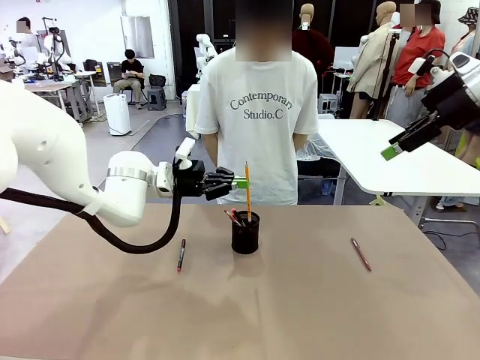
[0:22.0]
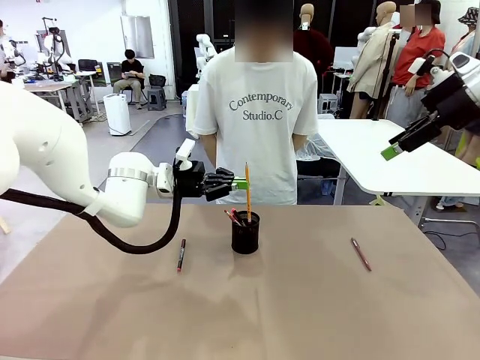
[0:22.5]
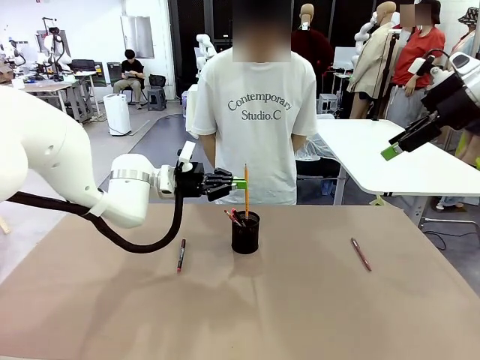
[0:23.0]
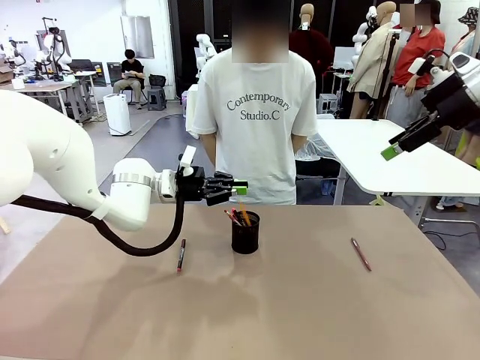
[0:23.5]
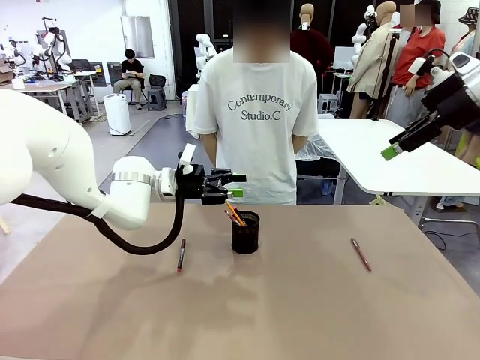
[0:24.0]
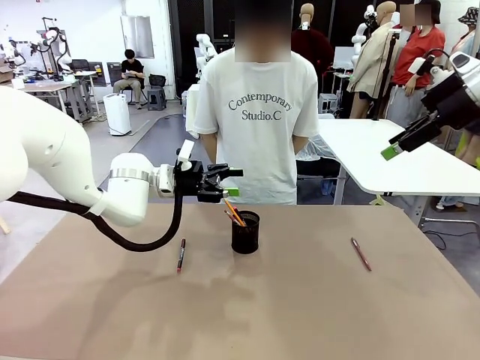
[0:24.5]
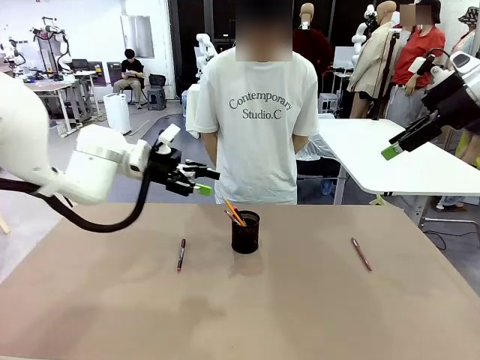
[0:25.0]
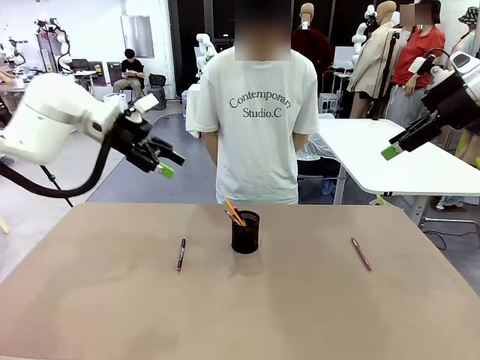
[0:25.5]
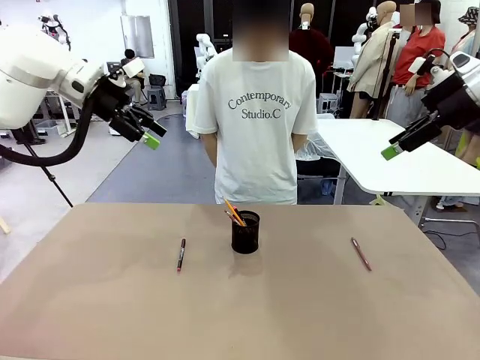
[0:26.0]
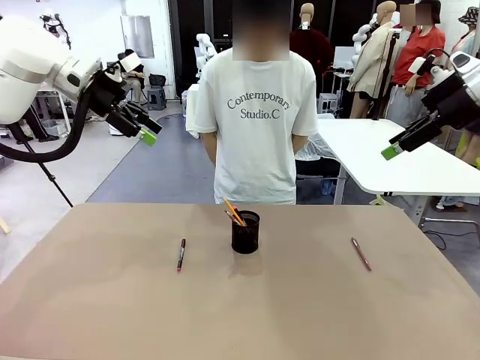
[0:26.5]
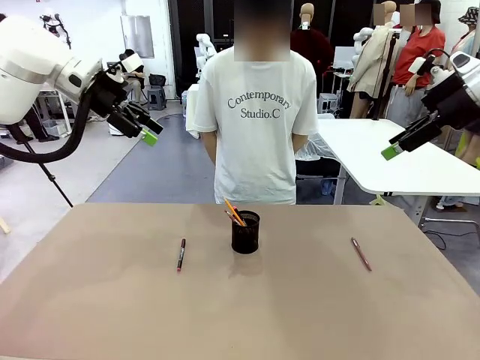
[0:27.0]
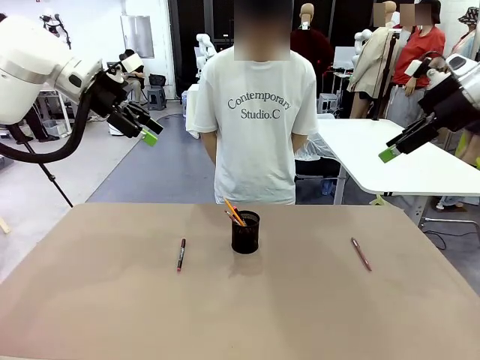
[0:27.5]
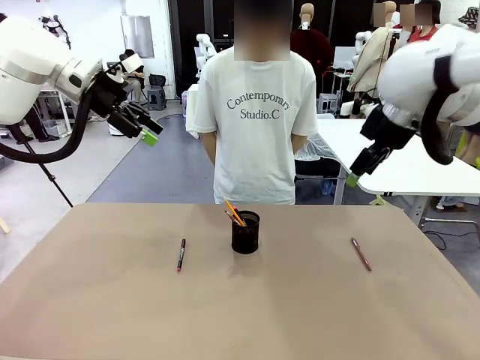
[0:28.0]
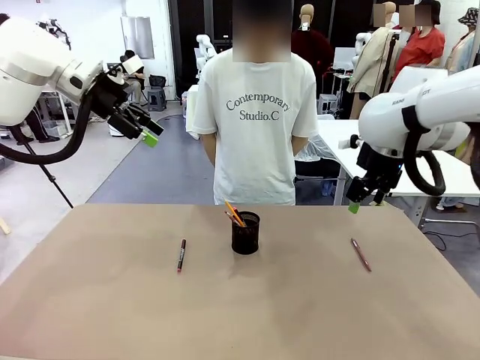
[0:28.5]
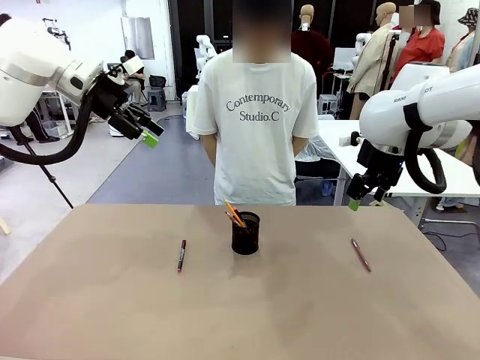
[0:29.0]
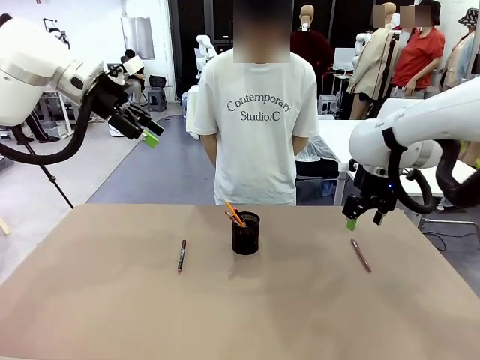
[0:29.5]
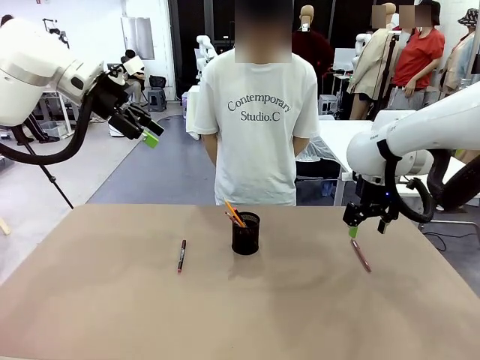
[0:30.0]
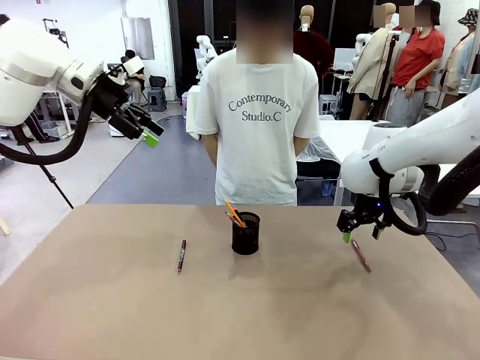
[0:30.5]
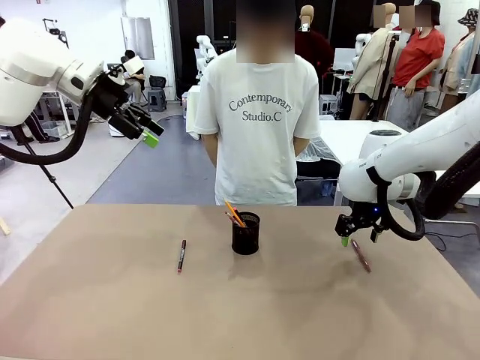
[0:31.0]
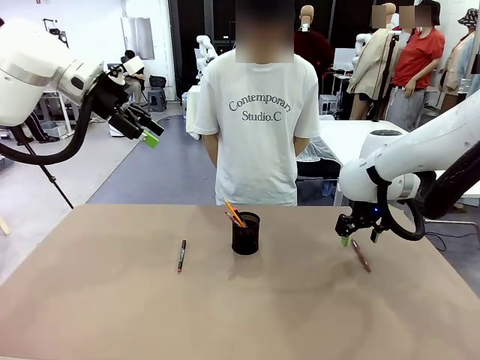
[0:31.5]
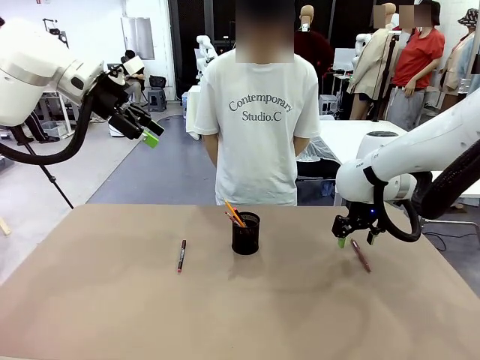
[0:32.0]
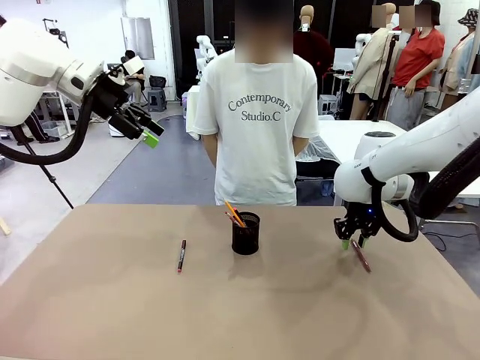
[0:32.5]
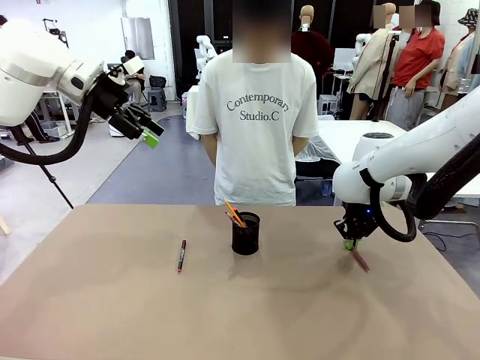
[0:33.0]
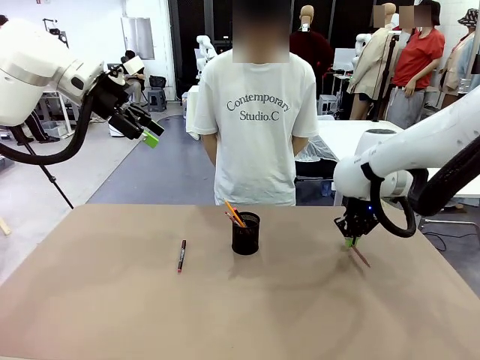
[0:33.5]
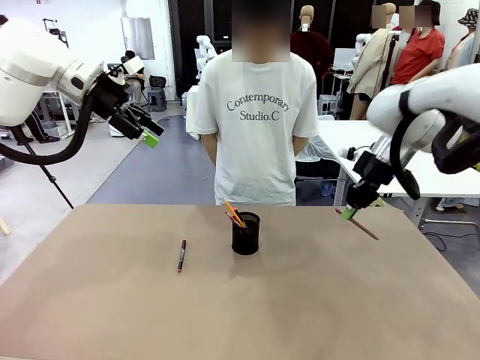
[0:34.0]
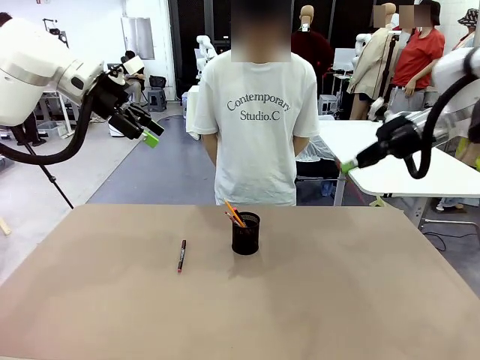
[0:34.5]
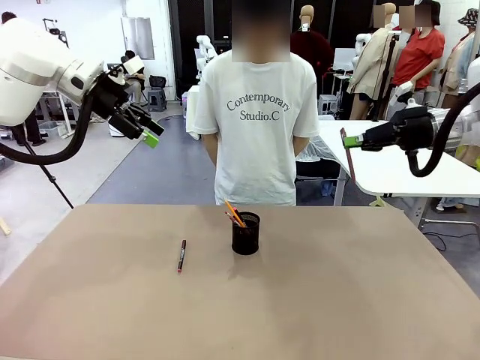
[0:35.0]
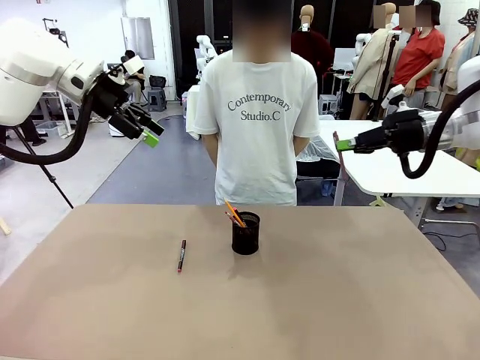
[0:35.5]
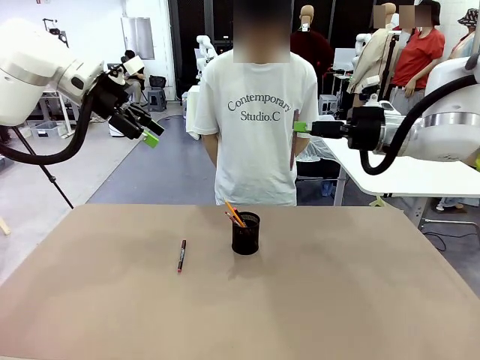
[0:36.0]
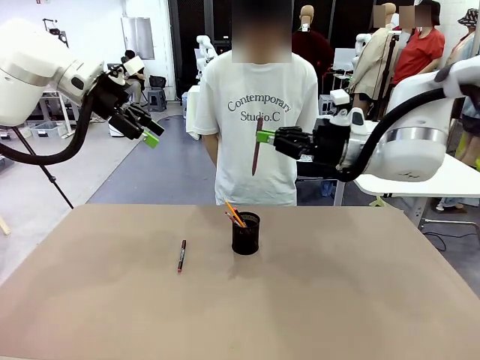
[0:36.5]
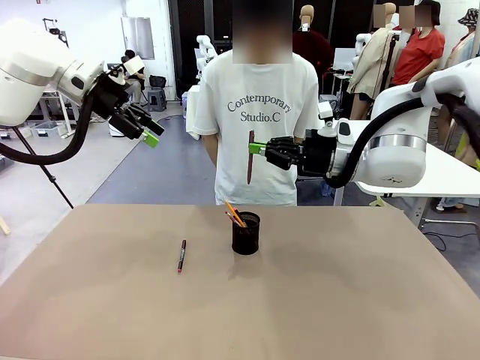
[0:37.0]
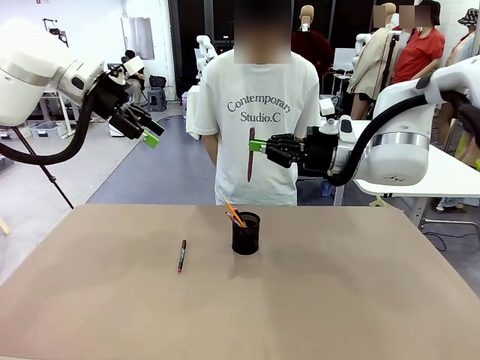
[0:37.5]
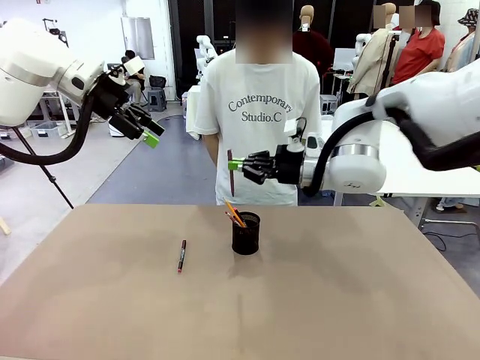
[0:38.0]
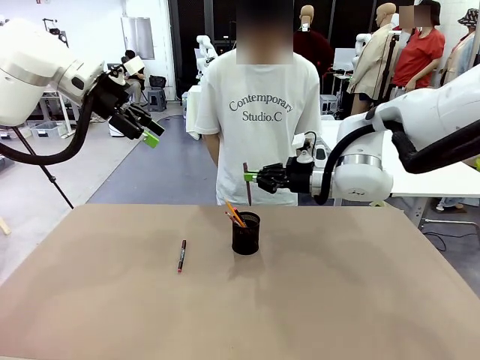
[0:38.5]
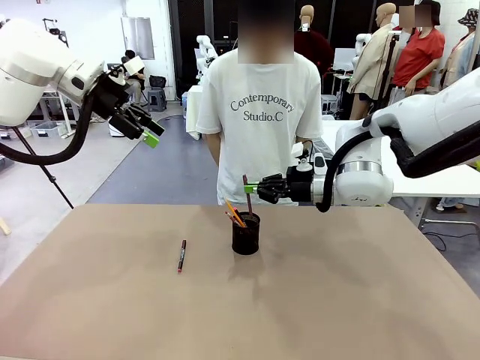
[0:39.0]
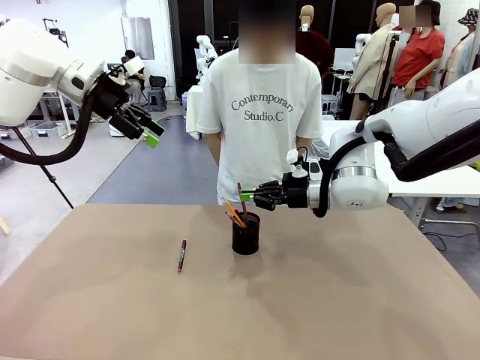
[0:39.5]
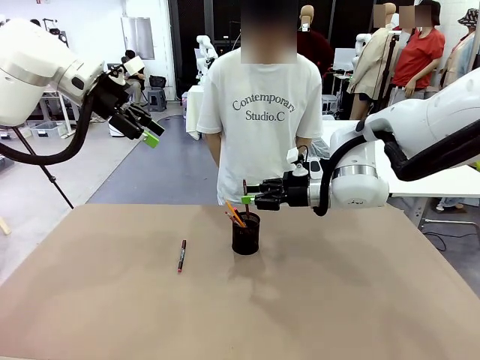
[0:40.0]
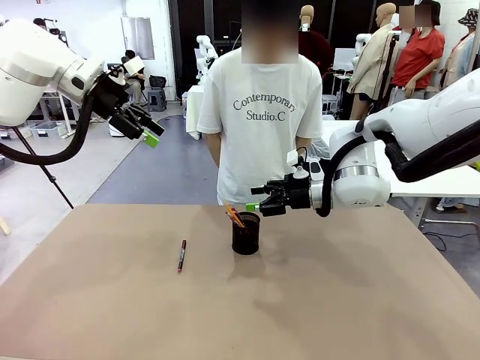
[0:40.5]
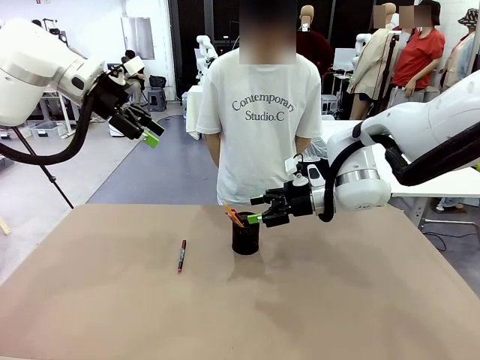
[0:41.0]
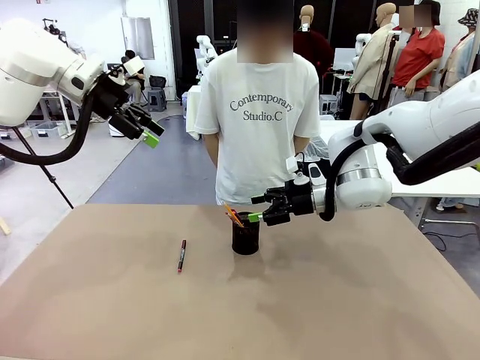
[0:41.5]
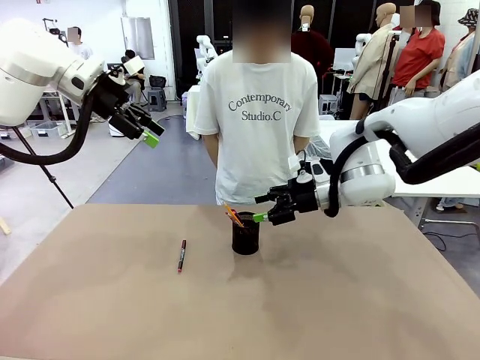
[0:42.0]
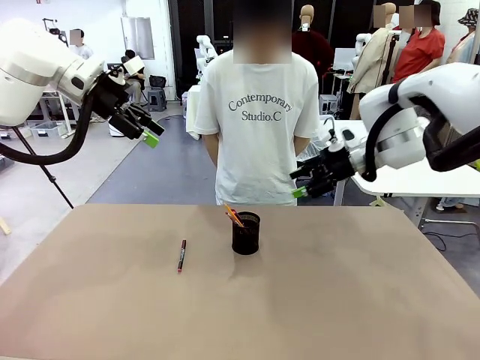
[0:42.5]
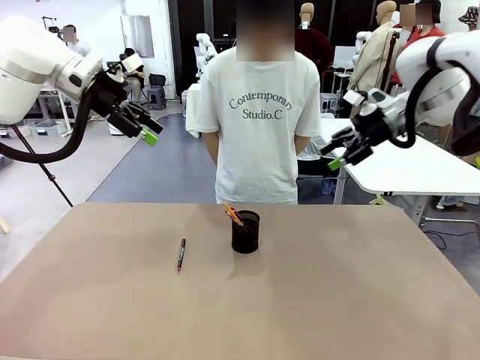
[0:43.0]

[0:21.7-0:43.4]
Task: Place the pens into the pen holder.
Robot: Pick up a writing instrument from the table and place it into the Pen holder.

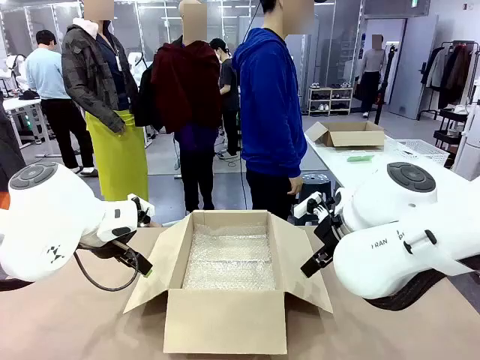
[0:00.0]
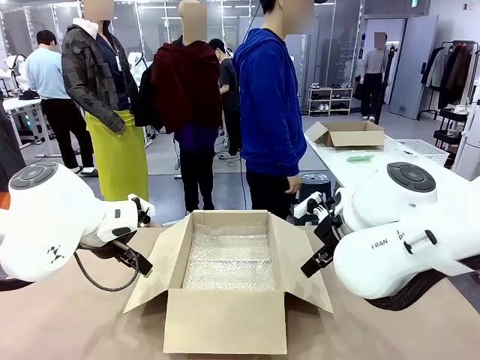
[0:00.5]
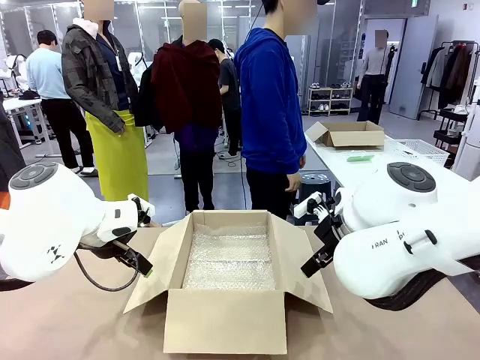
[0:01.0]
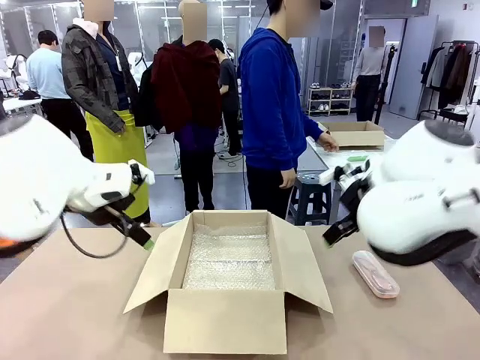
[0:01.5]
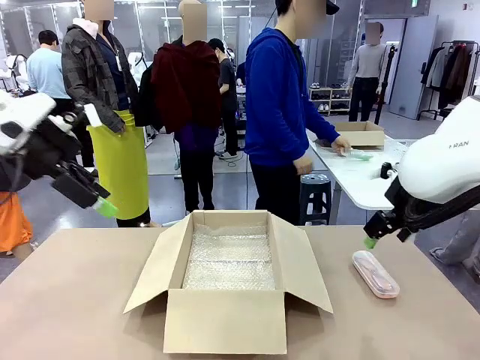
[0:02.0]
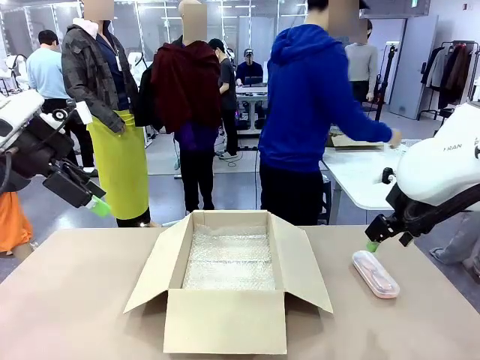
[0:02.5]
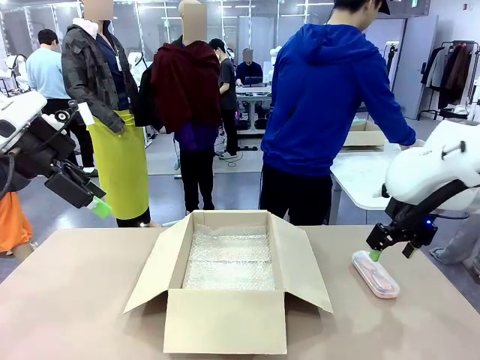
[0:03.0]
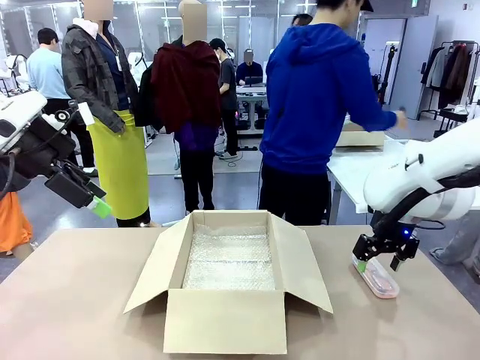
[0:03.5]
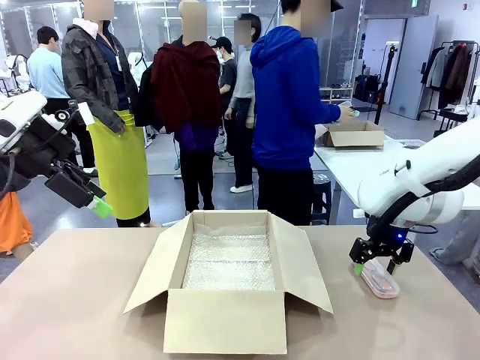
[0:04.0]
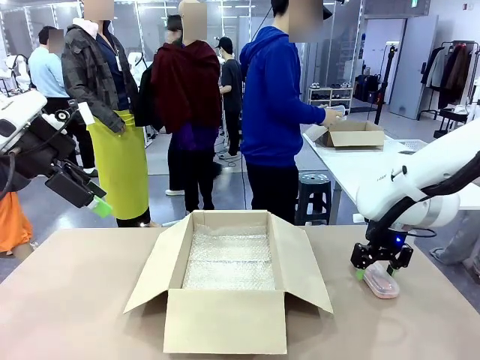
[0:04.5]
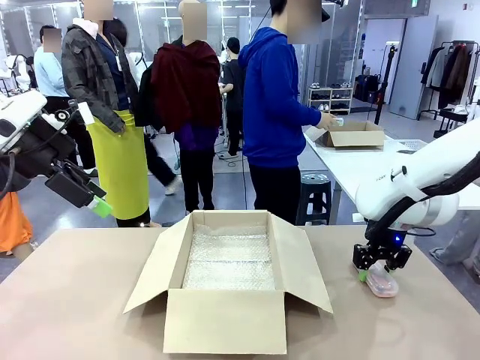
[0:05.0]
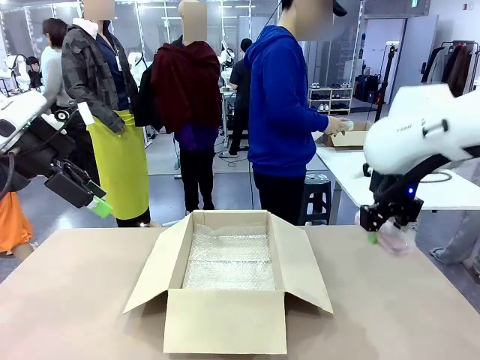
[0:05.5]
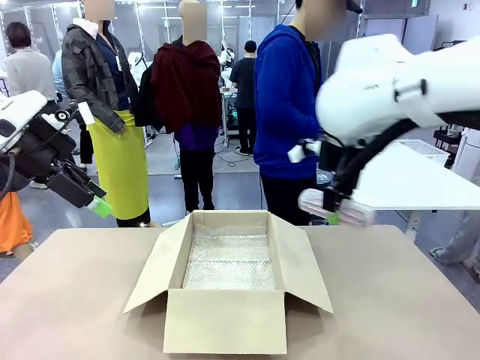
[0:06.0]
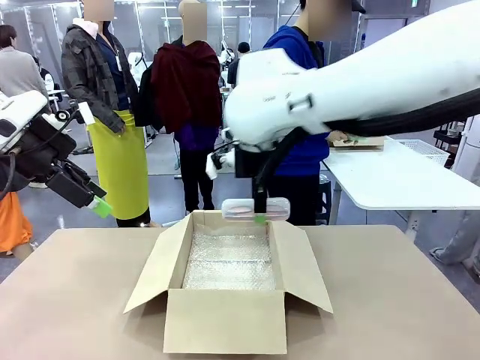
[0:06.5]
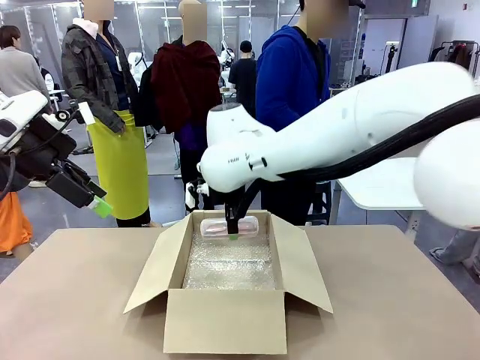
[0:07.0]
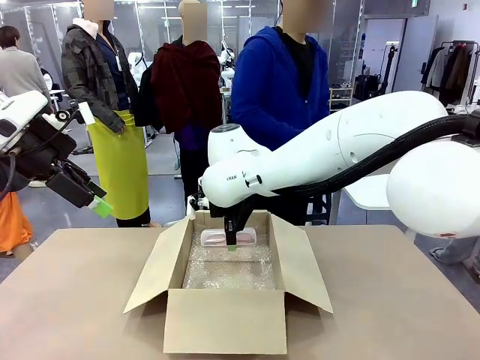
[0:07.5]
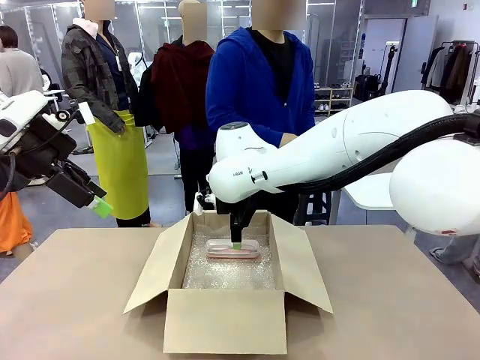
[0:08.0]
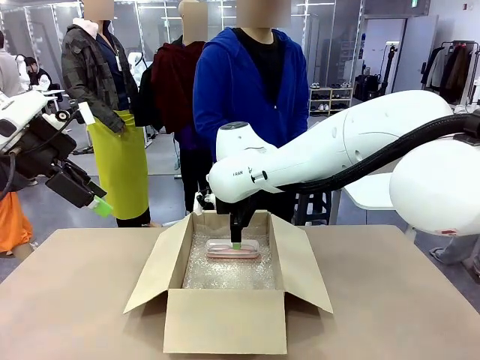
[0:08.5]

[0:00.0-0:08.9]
Task: Pack the glasses set securely to prepare it for shipping.
Robot: Place the Glasses case inside the Package Box.
Person: Place the Glasses inside the Glasses case.
